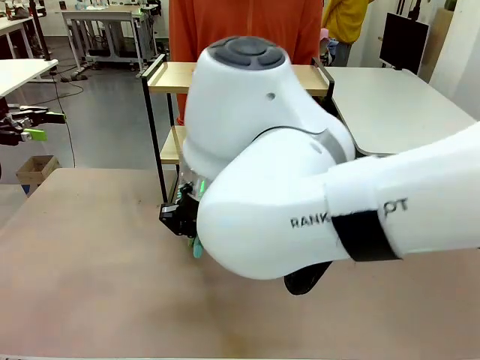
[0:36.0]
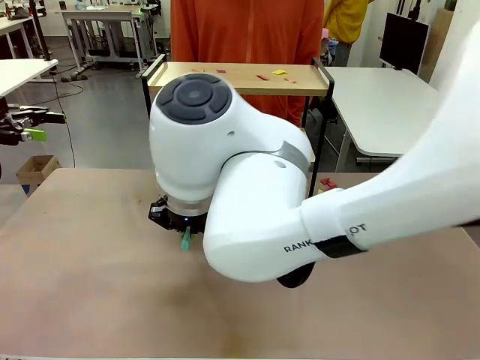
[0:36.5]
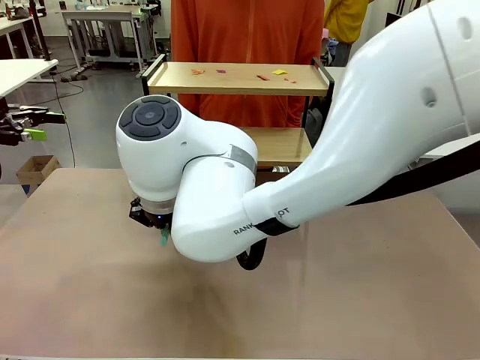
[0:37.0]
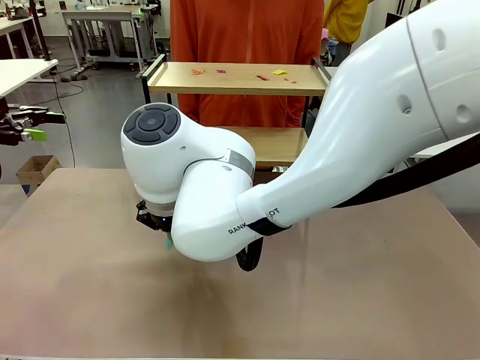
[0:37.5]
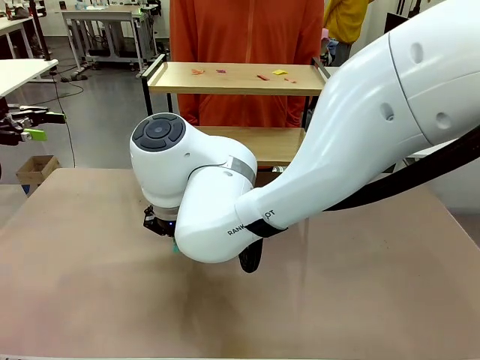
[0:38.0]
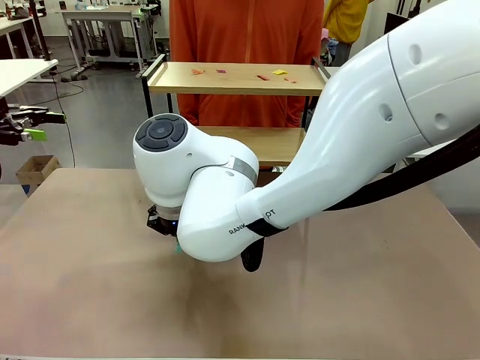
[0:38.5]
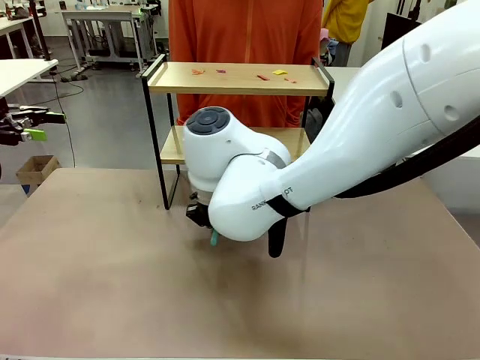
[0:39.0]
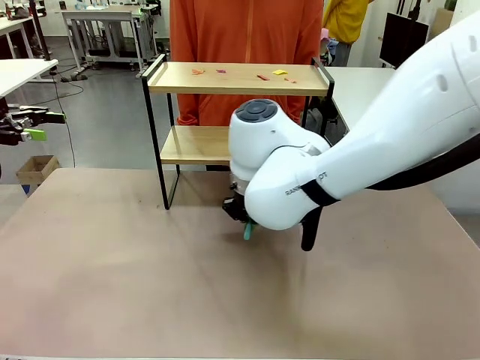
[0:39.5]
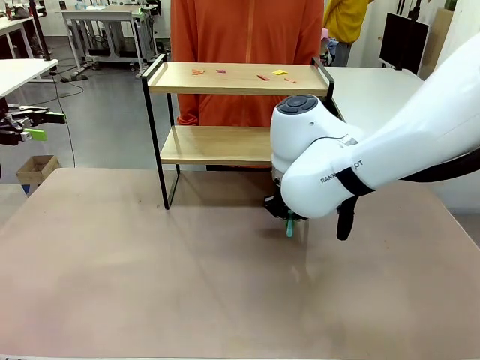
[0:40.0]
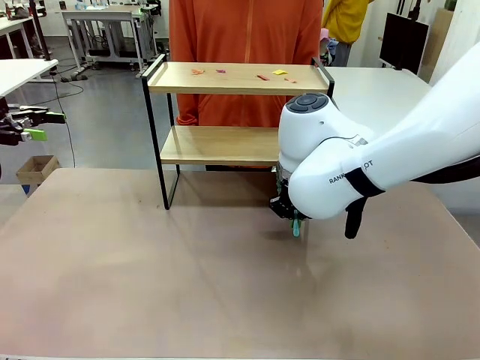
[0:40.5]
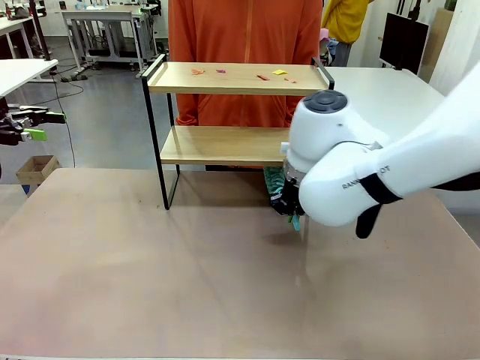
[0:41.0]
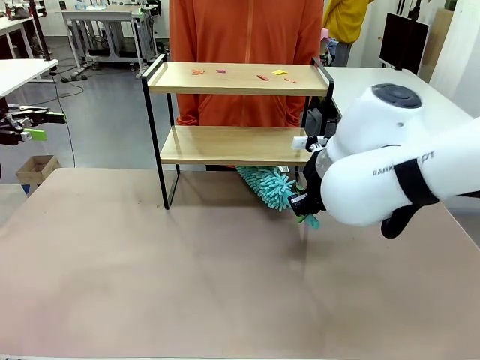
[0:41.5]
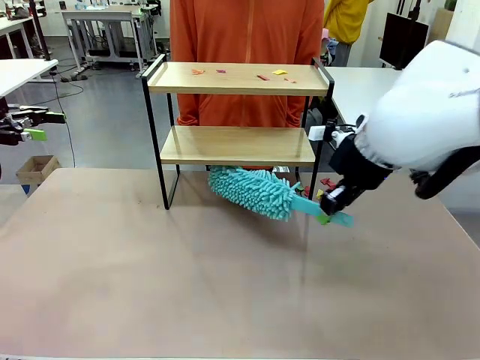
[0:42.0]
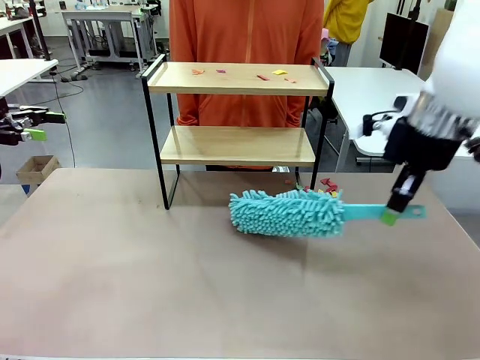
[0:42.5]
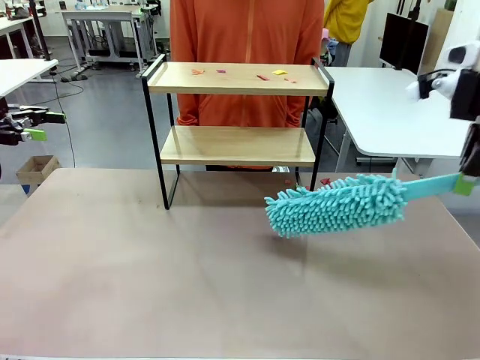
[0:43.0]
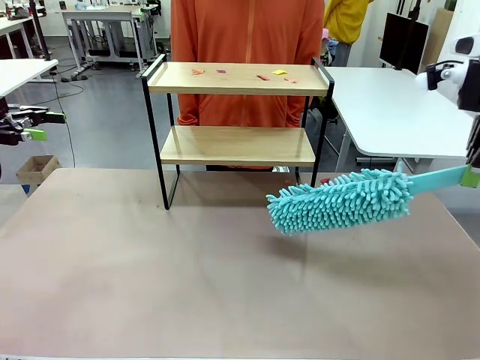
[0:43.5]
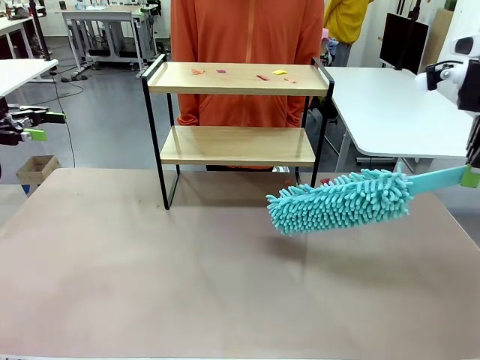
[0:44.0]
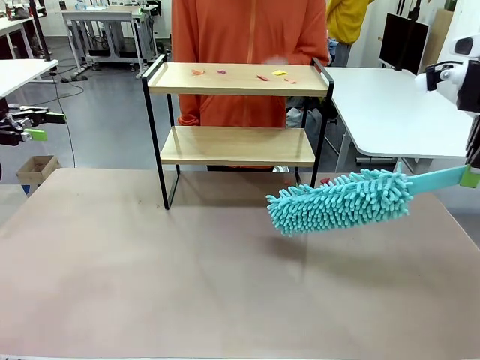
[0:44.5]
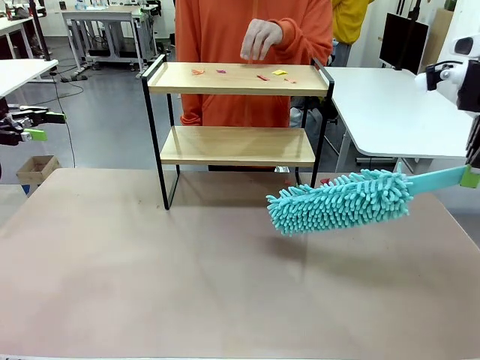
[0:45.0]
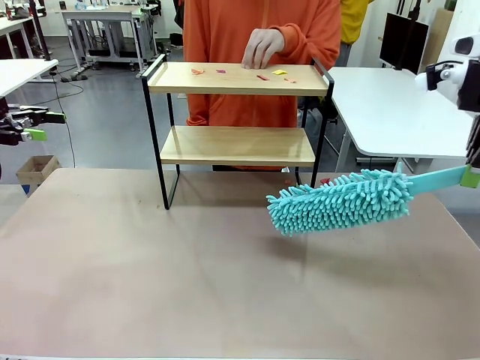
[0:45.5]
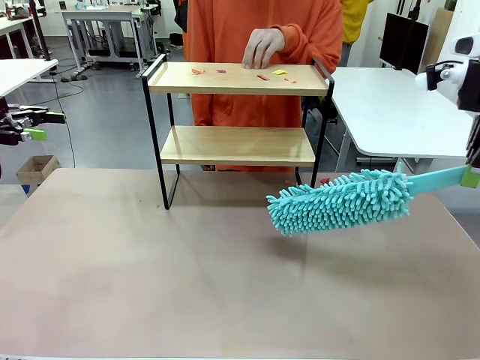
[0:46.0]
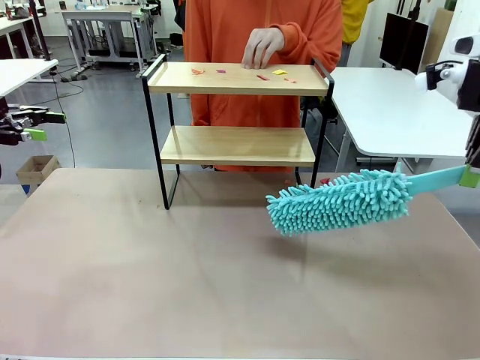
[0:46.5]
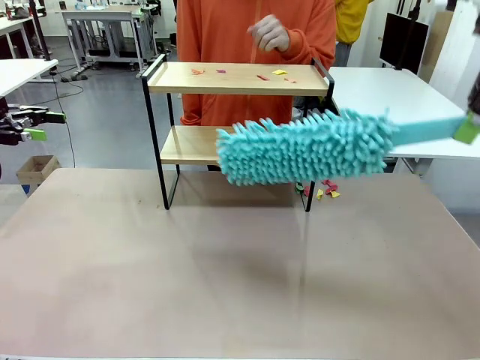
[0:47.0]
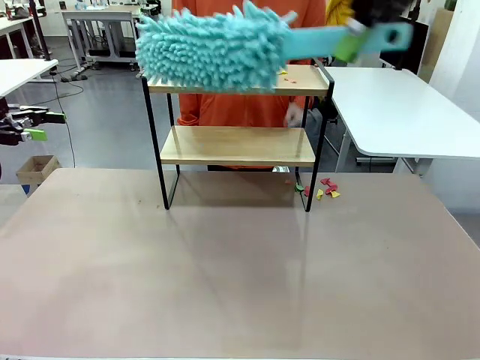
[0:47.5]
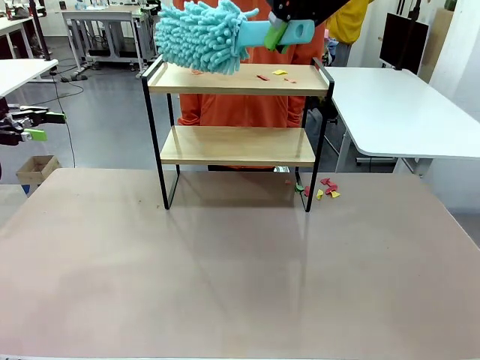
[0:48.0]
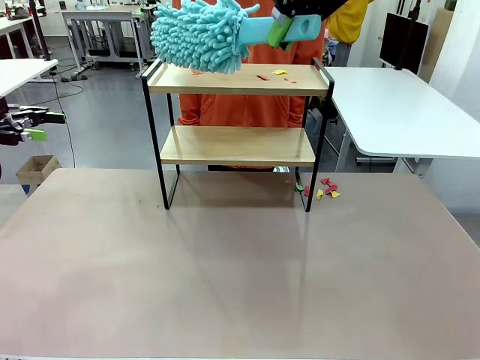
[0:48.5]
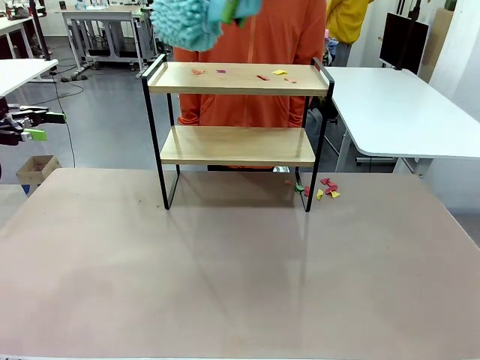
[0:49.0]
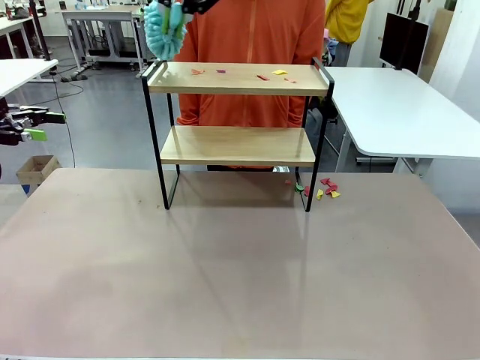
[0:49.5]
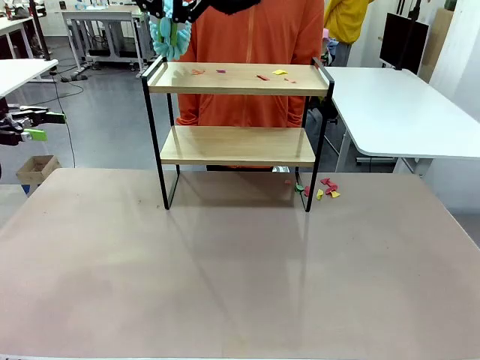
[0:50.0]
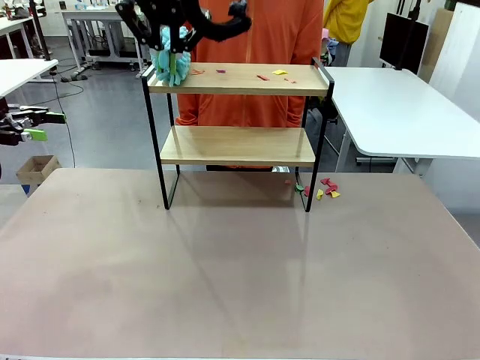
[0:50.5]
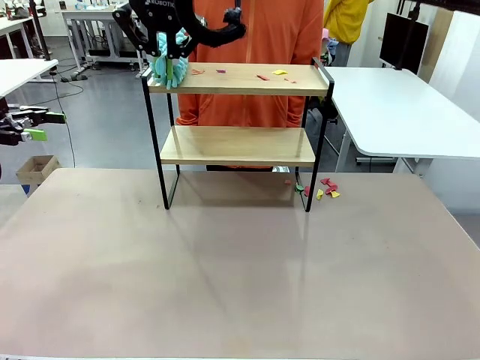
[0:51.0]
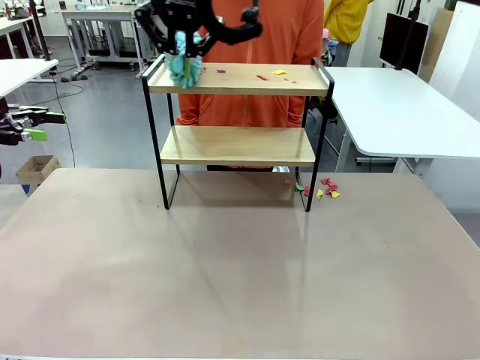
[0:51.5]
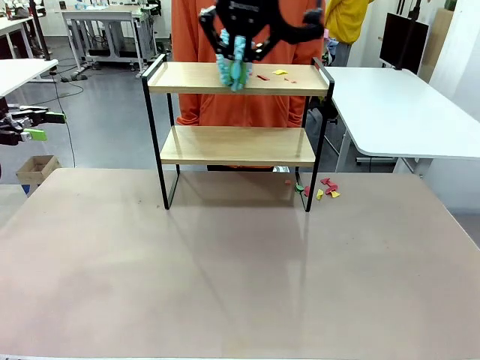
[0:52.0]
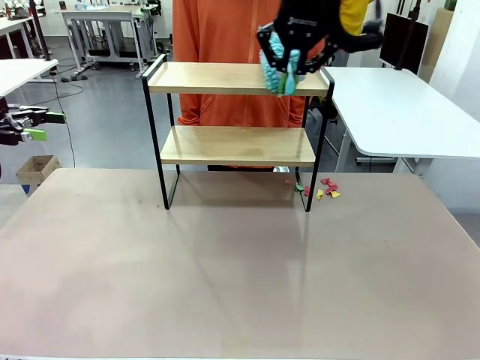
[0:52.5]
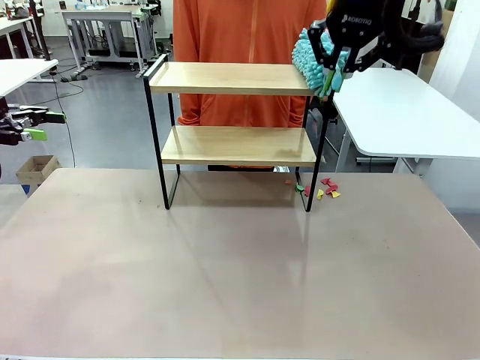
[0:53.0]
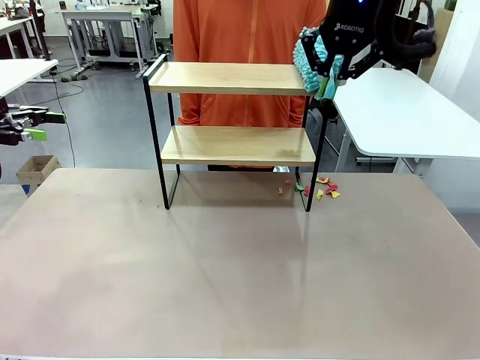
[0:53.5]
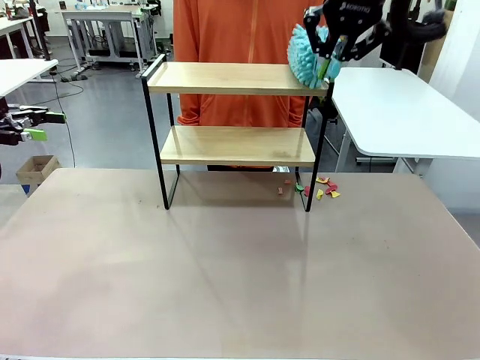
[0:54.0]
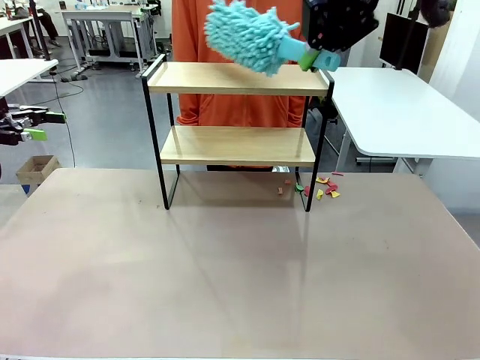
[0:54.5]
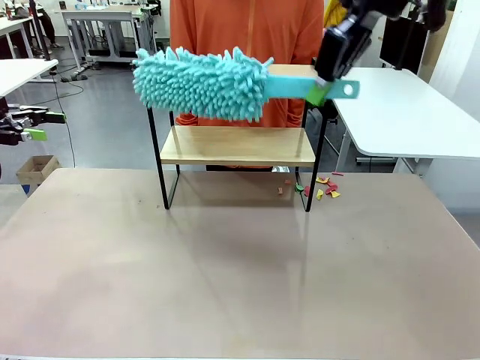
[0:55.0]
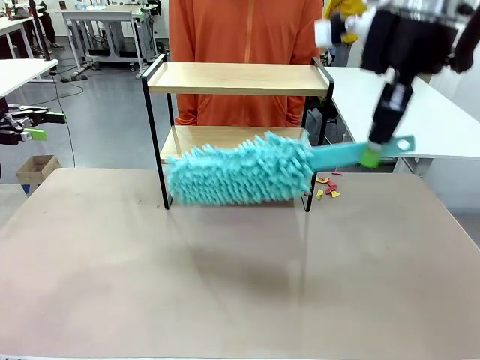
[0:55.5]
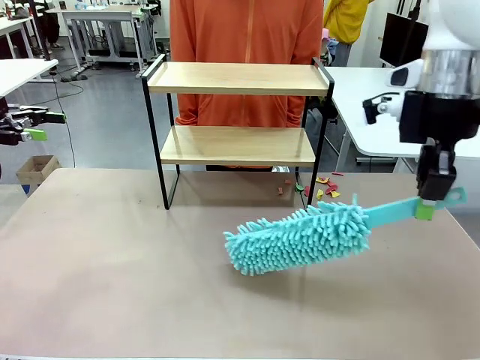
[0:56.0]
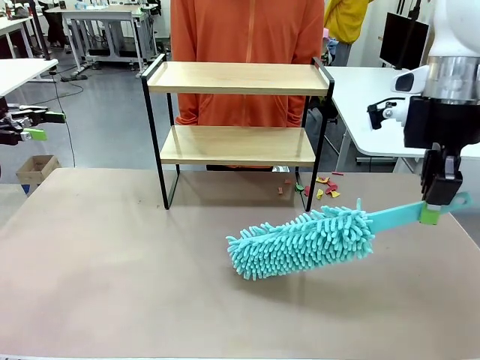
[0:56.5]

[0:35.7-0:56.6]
Task: Clean the shelf.
Robot: Clean the specific section of the Shelf indicated by the human with the Duster.
Person: Point a remaining section of the Shelf.

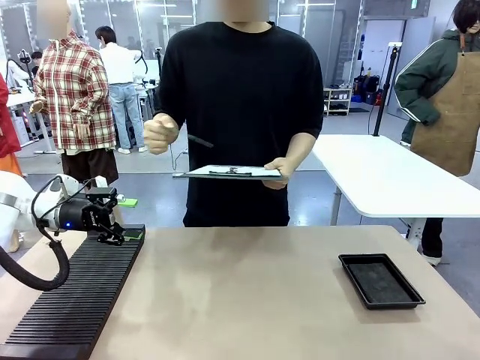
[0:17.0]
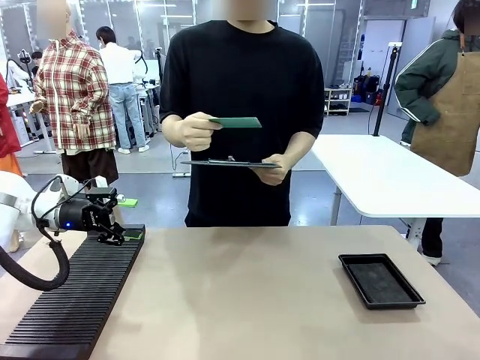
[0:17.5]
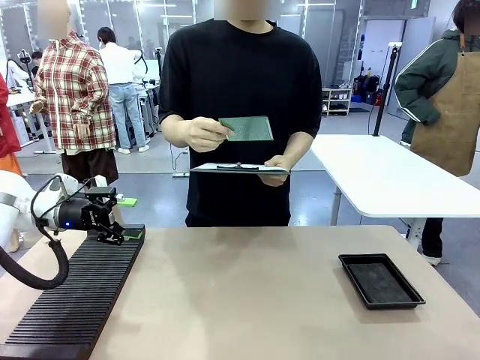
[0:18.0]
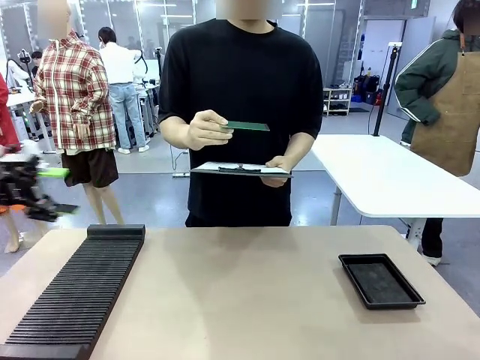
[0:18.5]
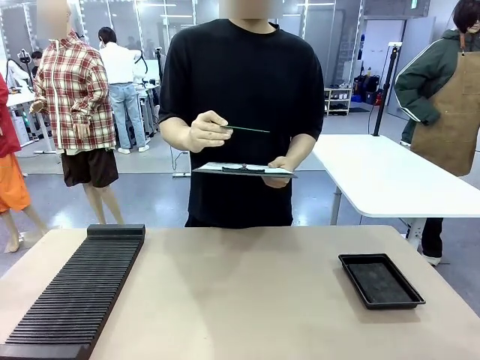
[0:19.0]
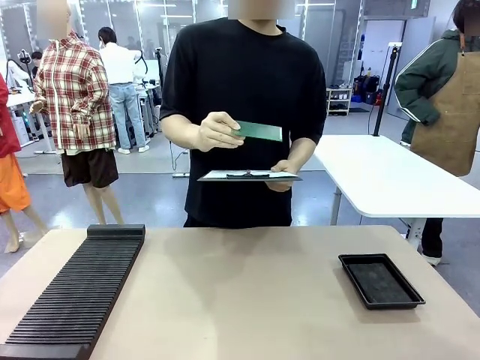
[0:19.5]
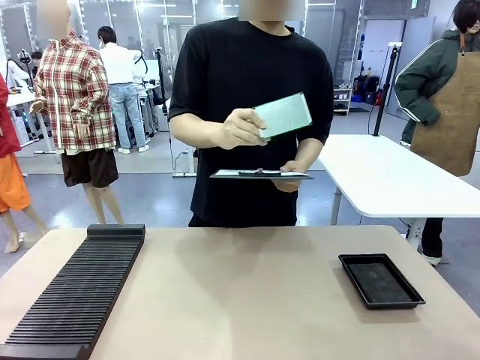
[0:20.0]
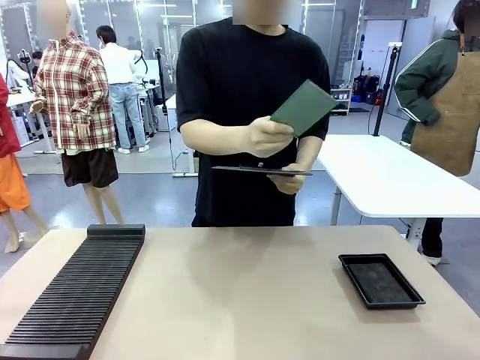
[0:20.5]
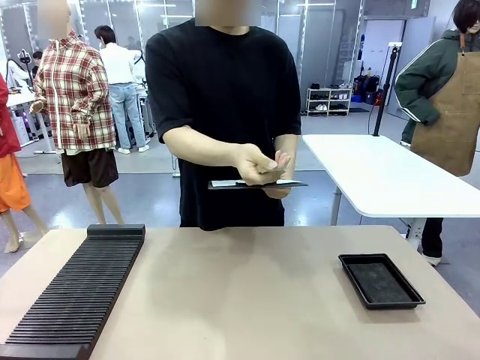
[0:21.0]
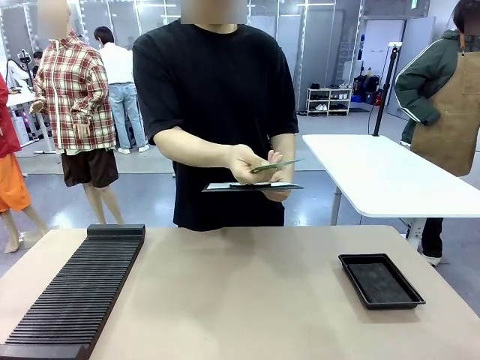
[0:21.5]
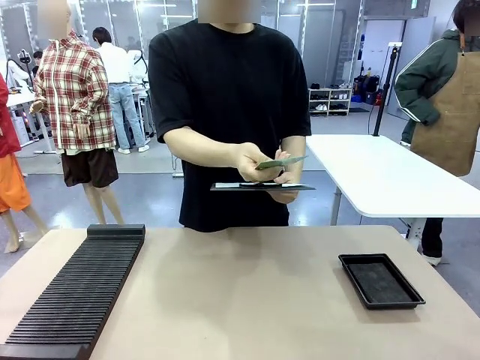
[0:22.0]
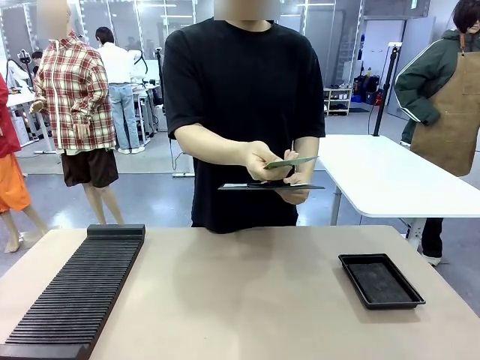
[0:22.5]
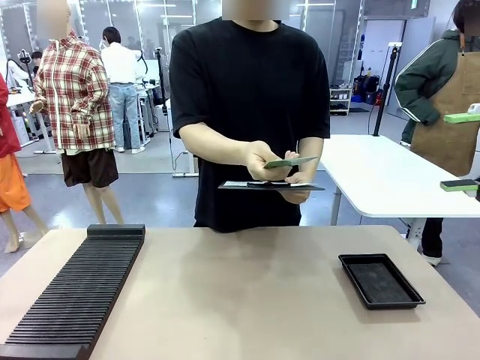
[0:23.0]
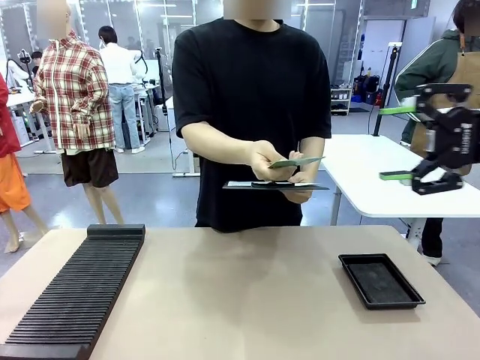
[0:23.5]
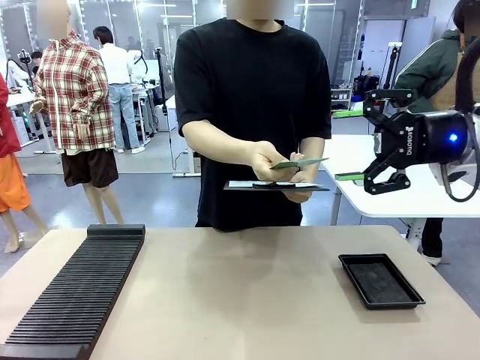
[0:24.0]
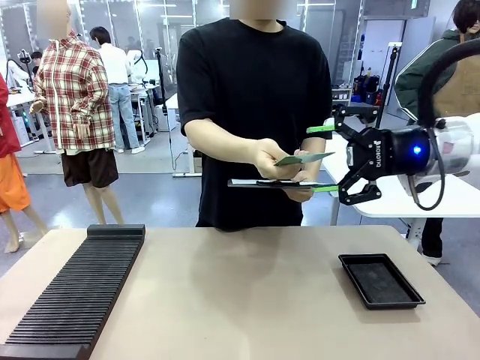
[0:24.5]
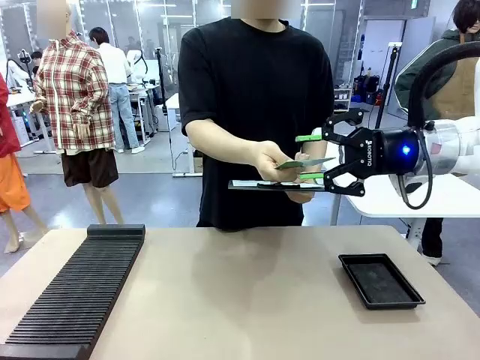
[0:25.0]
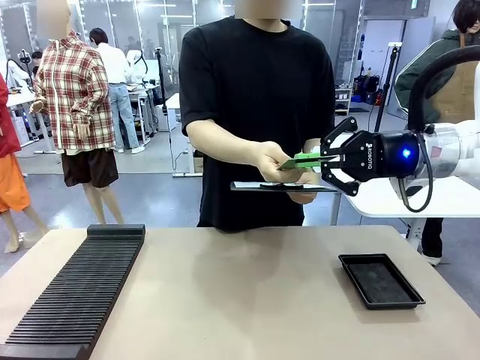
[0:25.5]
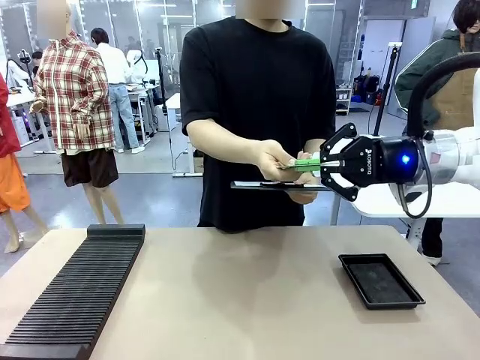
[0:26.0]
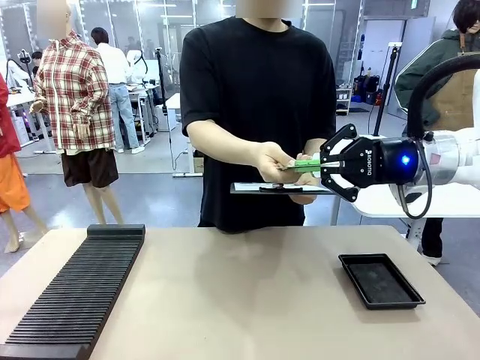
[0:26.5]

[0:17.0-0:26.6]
Task: Inspect the PCB.
Robot: Pick up the Blank PCB that the human is holding.
Person: Inspect the PCB placed by the robot, then hold it out in front of the robot. Release the PCB you were holding.
